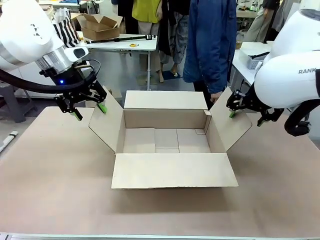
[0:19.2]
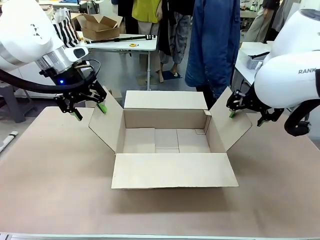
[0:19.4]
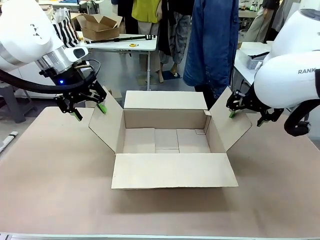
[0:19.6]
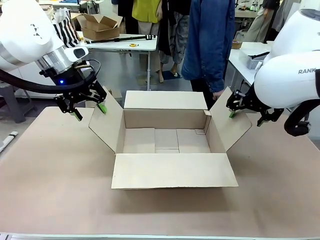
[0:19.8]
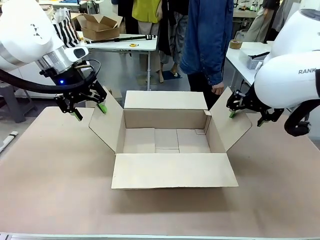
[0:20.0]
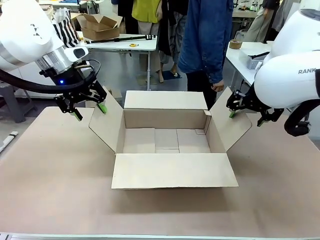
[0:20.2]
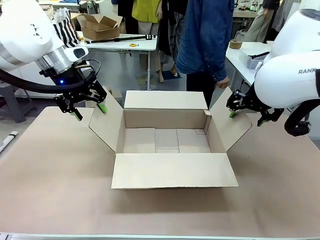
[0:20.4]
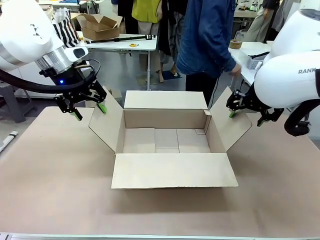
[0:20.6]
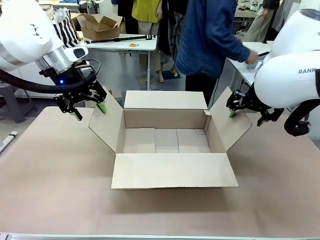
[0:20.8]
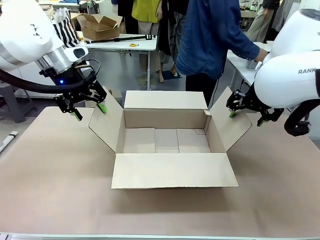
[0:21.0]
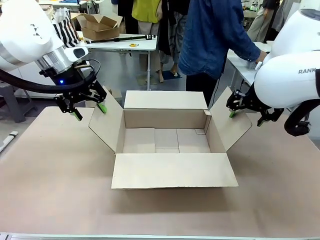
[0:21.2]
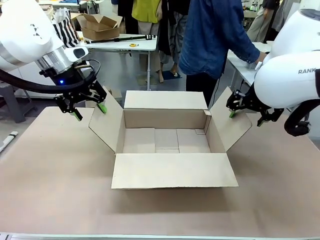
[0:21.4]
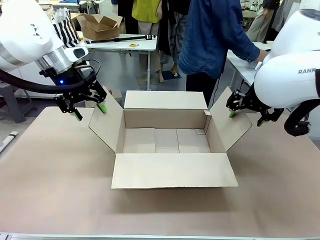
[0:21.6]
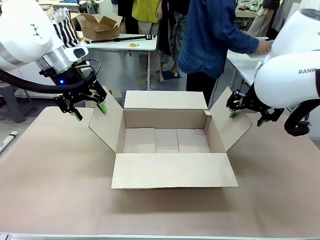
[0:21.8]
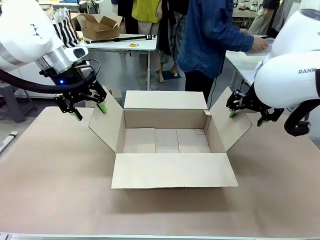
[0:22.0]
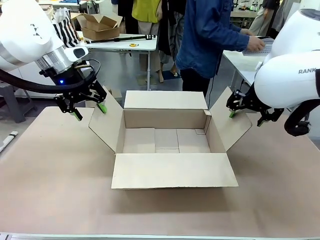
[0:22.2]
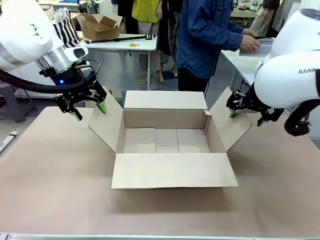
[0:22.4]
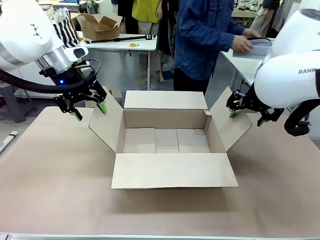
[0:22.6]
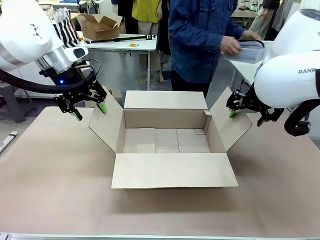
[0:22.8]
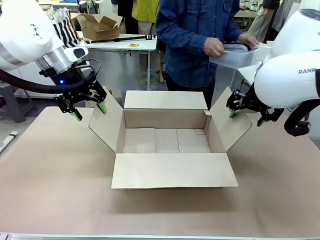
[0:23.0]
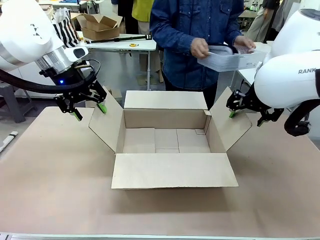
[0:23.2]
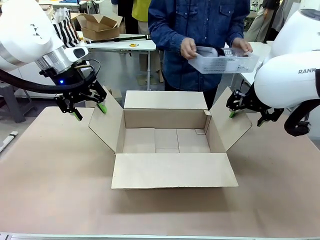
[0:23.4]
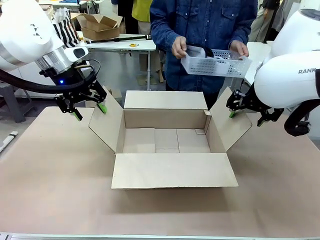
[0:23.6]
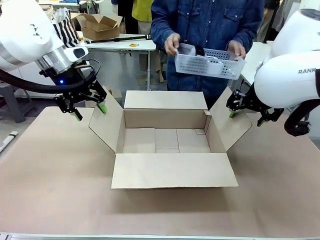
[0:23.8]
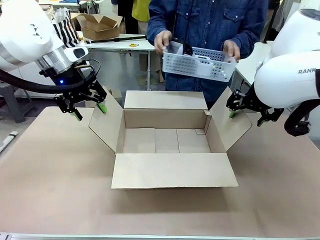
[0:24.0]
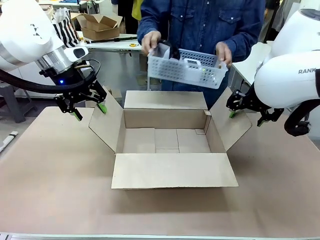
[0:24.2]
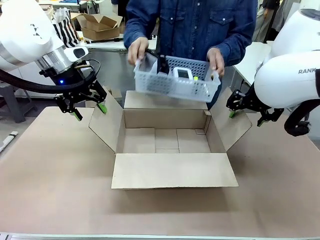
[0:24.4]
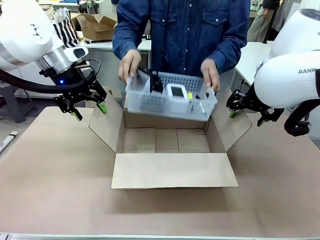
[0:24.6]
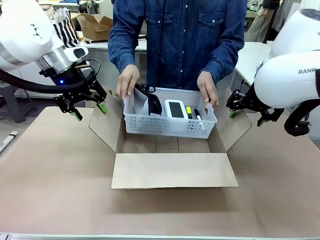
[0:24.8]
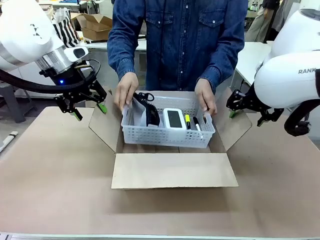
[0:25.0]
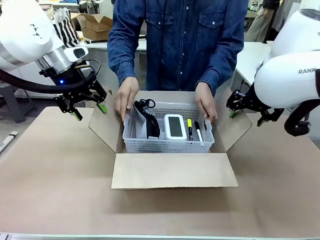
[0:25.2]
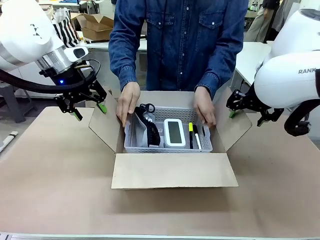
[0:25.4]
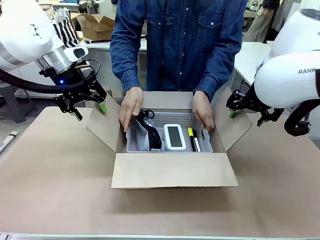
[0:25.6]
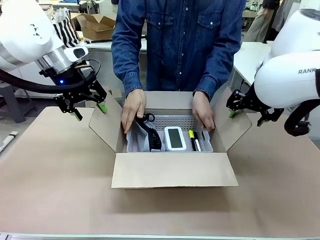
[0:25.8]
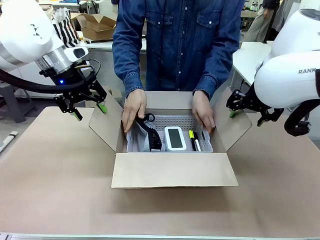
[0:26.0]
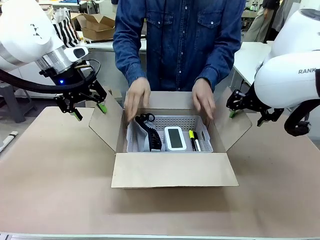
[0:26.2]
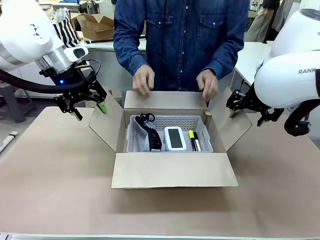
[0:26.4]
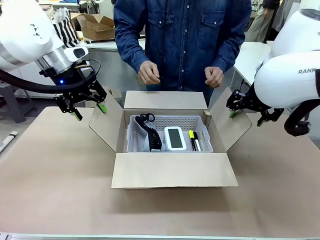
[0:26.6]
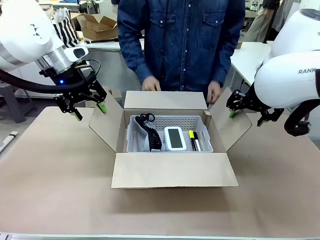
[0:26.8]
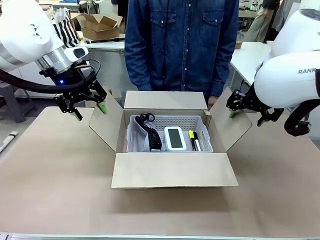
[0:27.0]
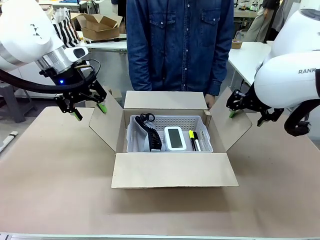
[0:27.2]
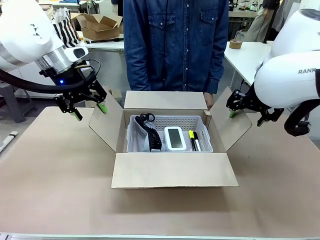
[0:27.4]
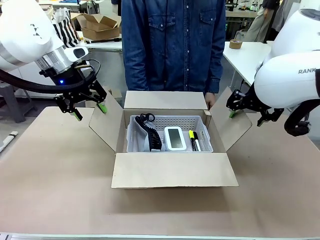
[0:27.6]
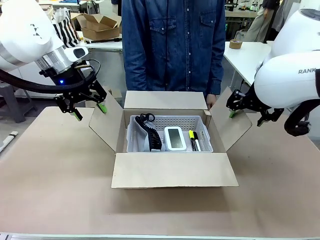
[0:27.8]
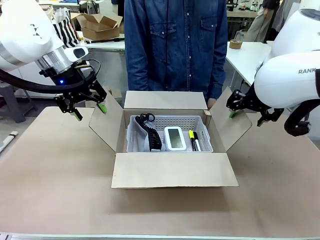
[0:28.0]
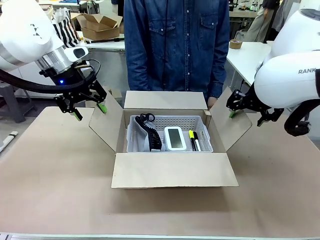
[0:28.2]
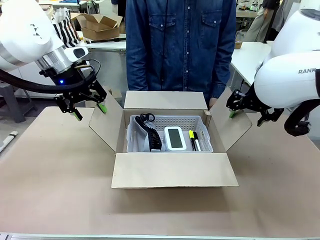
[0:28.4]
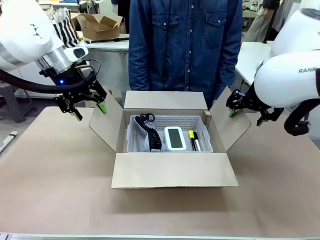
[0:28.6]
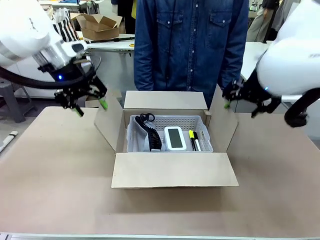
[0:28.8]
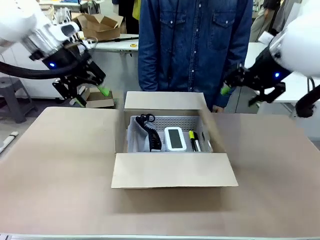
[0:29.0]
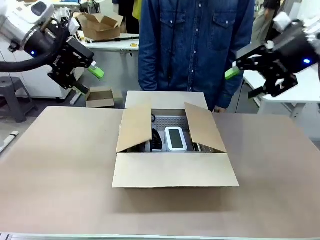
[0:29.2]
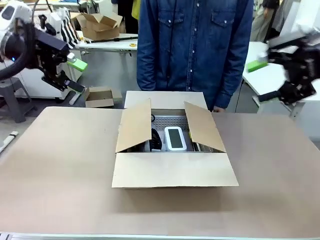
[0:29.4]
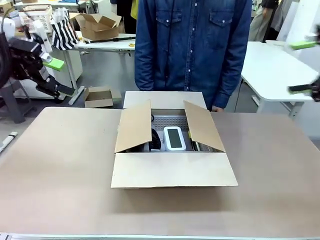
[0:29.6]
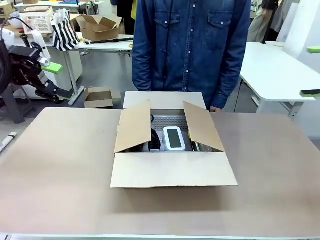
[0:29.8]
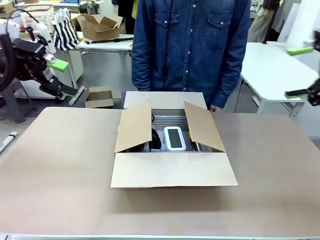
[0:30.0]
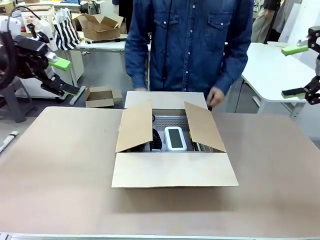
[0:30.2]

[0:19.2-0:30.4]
Task: Pack the gift set into the box.
Robot: Lift both hands away from the flaps of the Package Box.
Person: The human picks up the organizing basket and places the organizing basket into the package box on the robot table.
